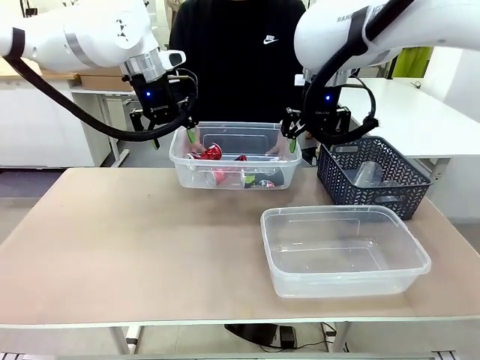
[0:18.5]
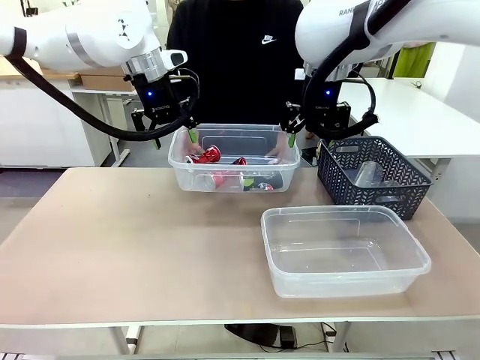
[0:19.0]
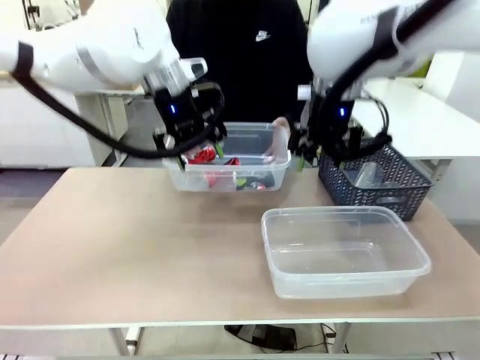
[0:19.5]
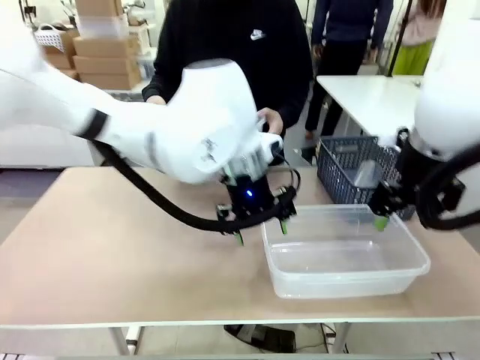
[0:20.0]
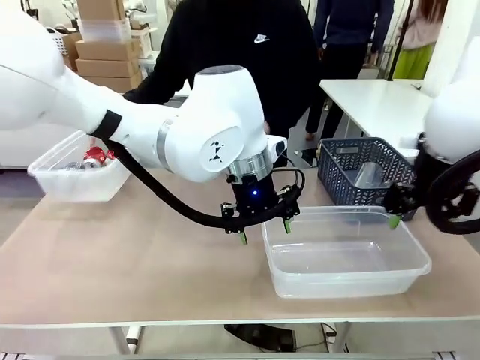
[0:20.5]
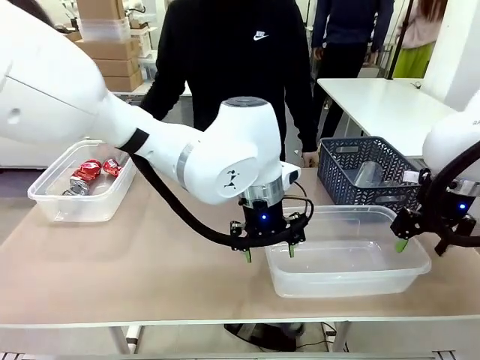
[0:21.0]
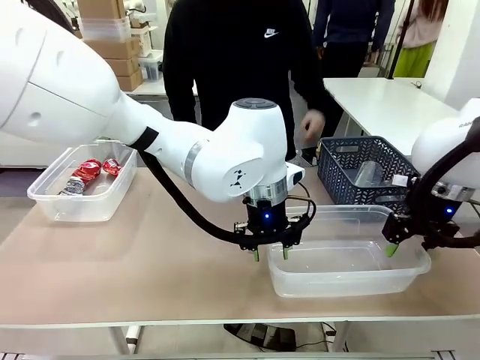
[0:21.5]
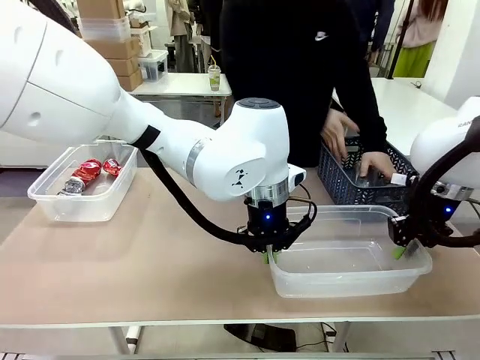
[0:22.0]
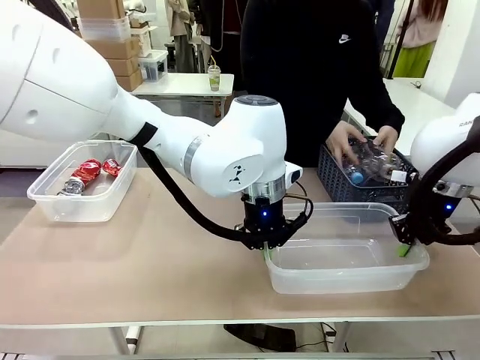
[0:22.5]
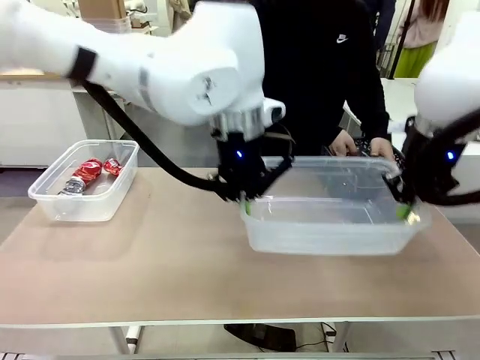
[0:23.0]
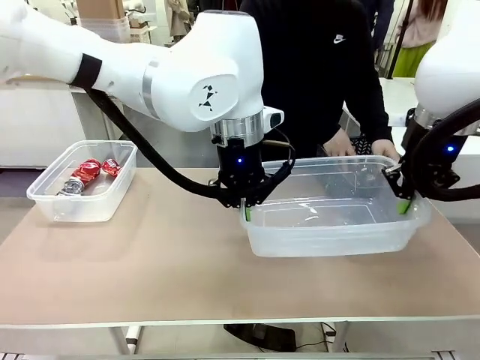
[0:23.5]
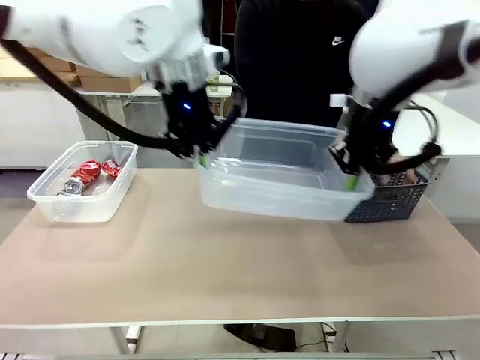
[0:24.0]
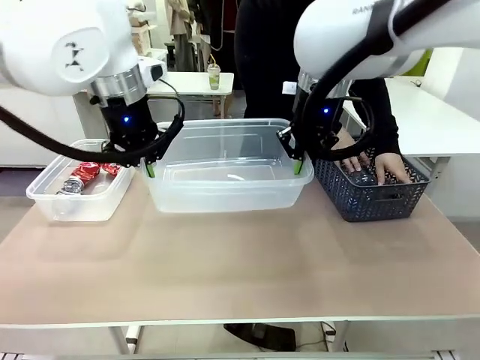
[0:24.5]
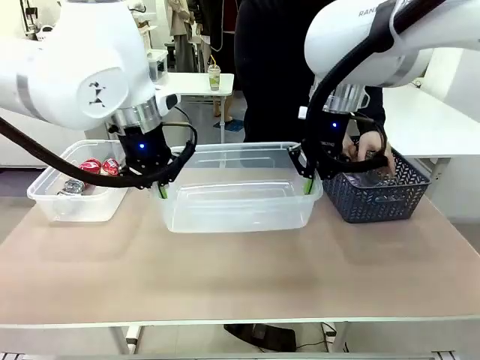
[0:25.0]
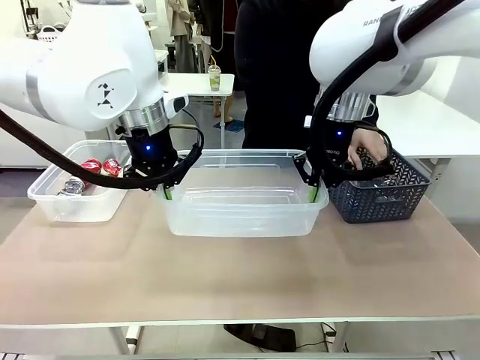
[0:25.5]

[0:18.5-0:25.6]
Robot: Pick up the Organizing box on the right side of the table and lift it.
Person: Place it at the edge of the bottom right area of the robot table. Pick up plastic waste one by one and place it into the organizing box lifted by the robot.

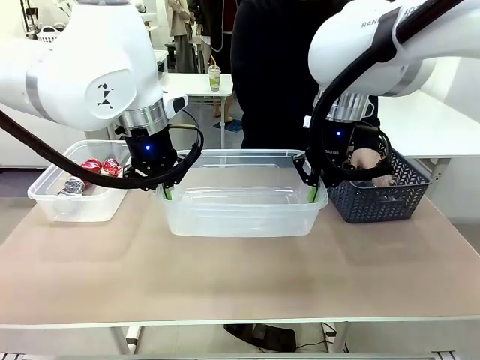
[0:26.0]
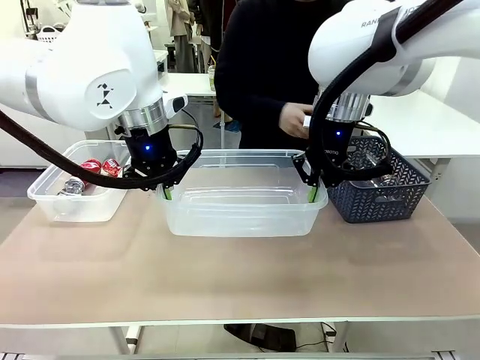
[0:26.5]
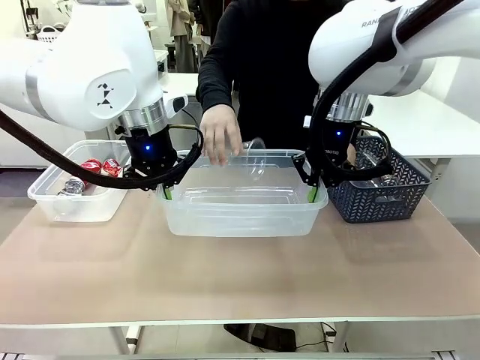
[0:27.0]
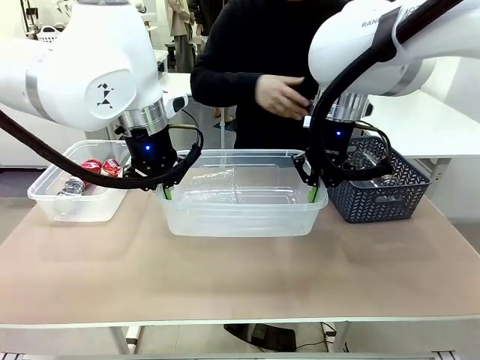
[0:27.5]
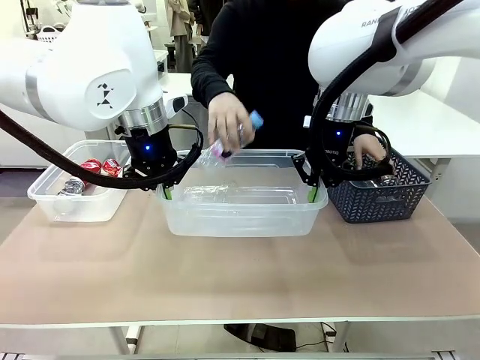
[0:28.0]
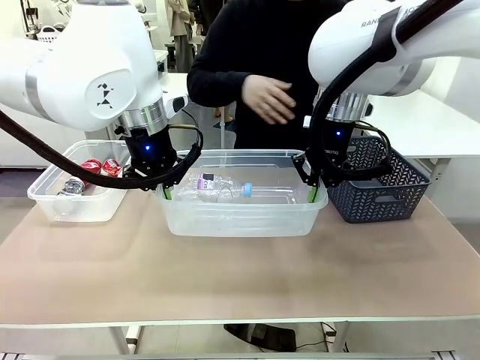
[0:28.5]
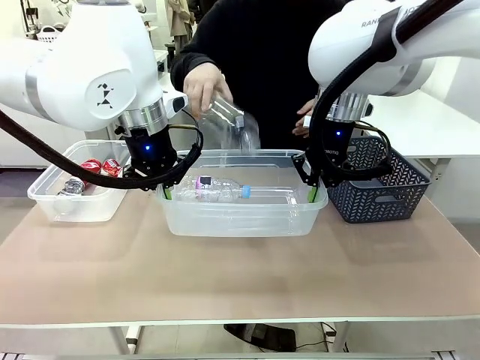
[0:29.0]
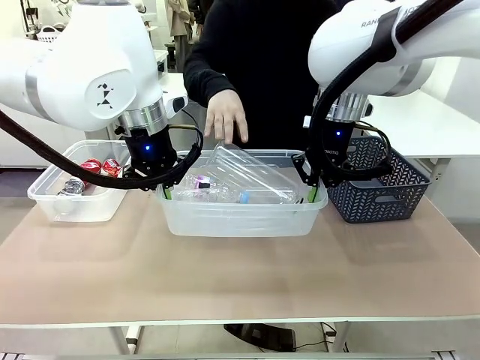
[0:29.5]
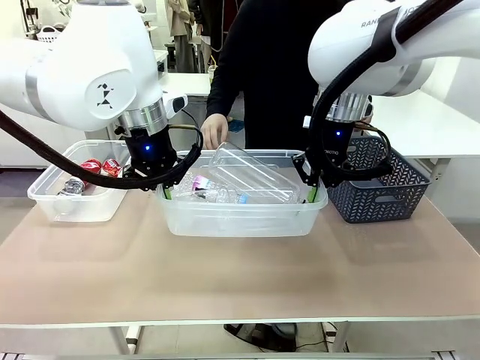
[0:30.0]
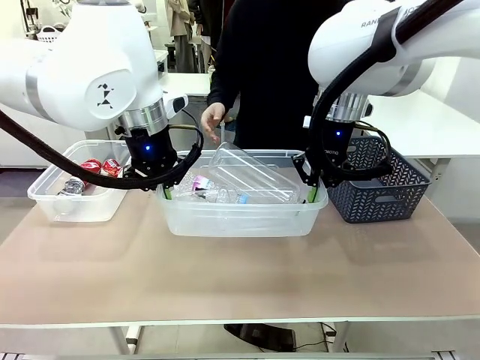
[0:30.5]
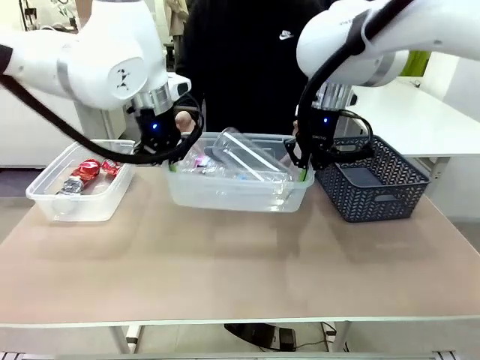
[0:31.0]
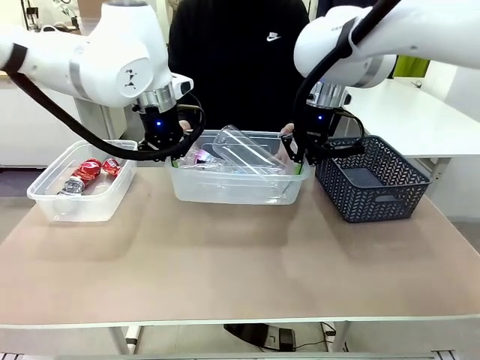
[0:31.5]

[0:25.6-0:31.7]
Robot: Offer the picked Organizing box to the human.

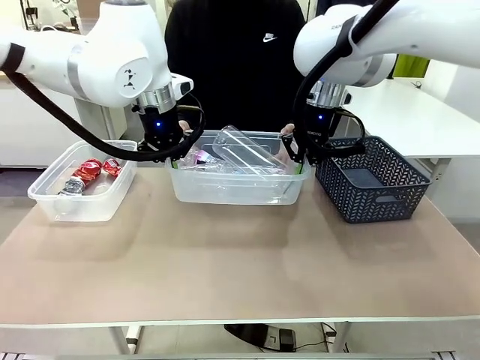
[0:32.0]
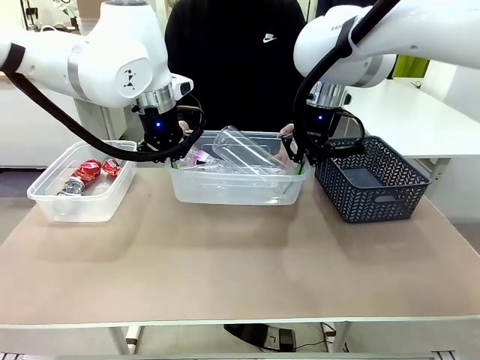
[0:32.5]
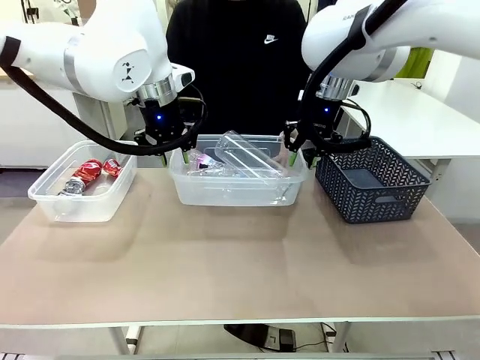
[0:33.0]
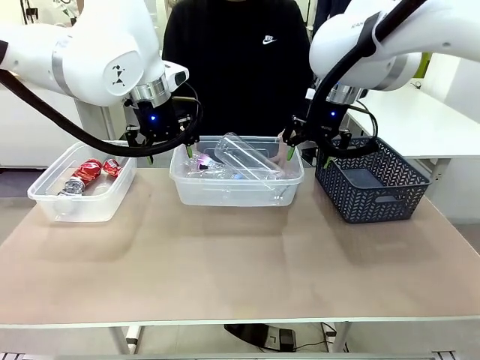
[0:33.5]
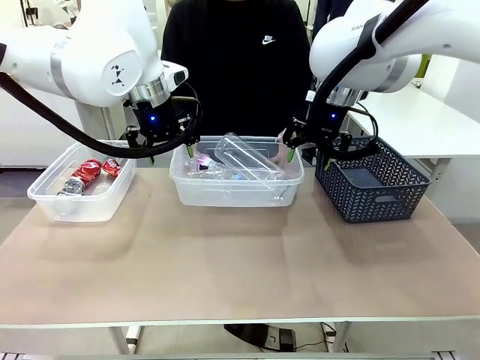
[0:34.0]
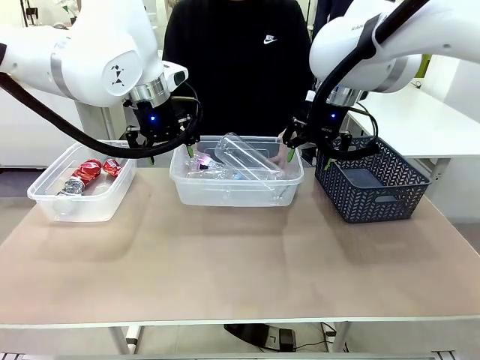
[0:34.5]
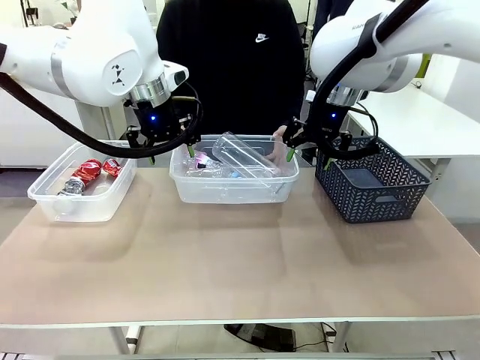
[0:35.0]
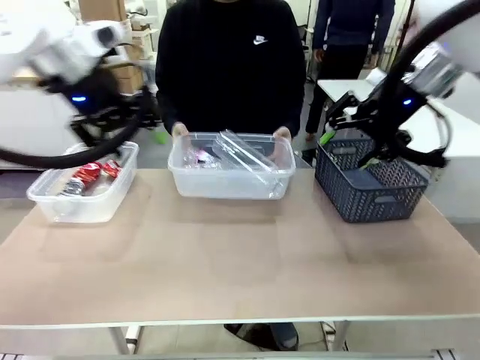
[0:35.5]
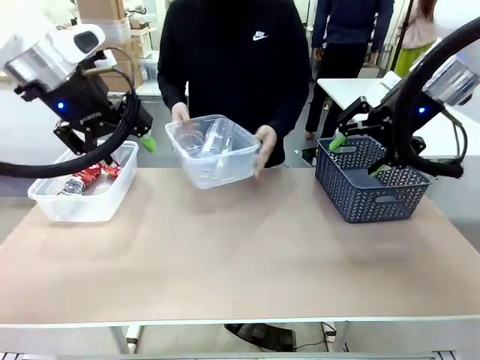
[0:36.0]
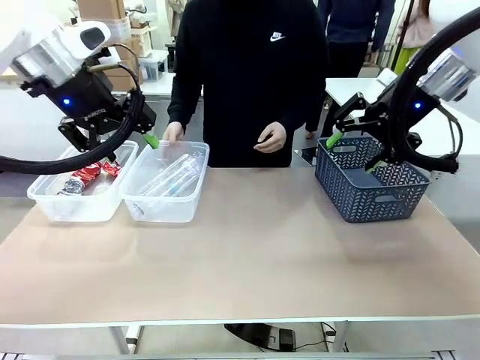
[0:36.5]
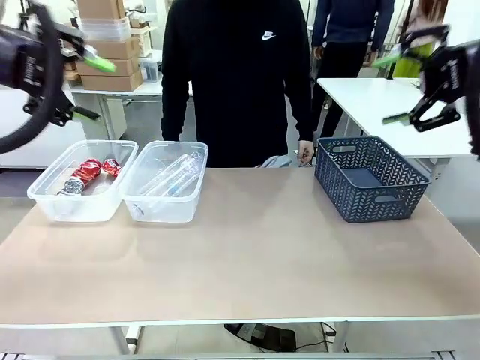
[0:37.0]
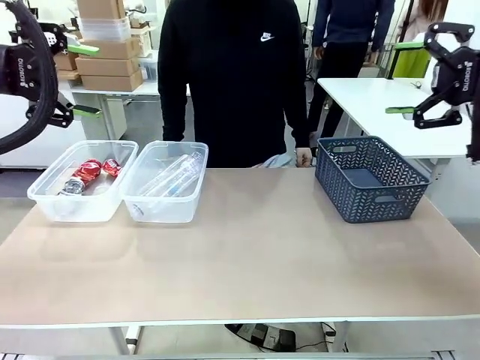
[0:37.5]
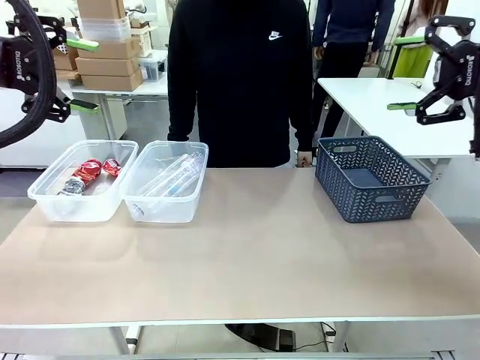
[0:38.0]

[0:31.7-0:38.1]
Robot: Release the Organizing box you were holding.
Person: Pick up the organizing box extended by the robot. Place the organizing box to the left of the sorting box containing the can waste.

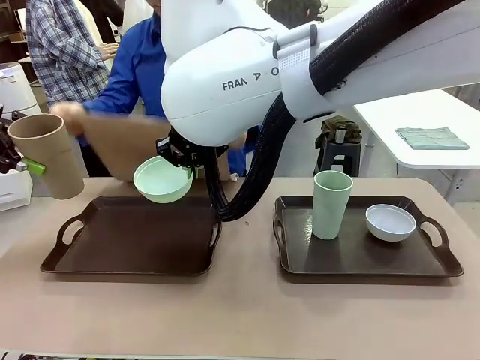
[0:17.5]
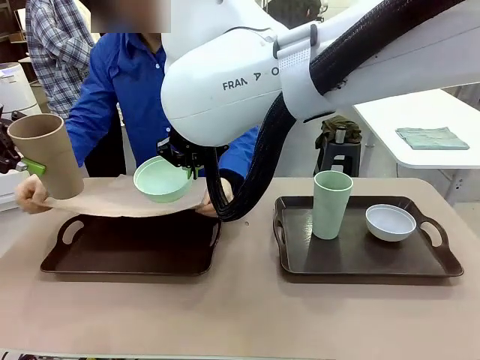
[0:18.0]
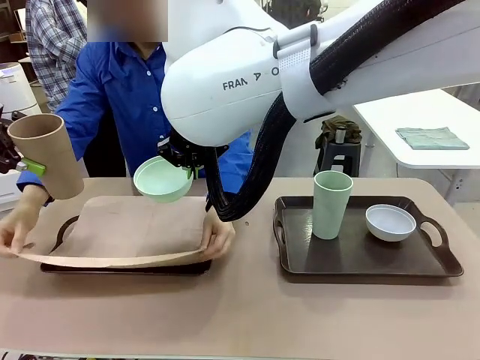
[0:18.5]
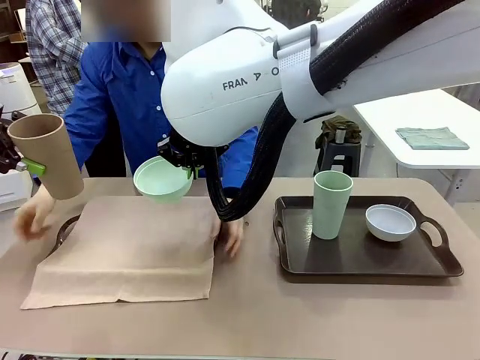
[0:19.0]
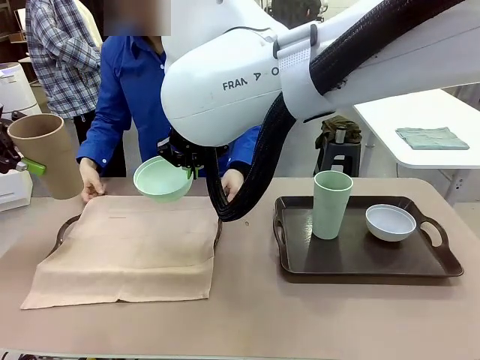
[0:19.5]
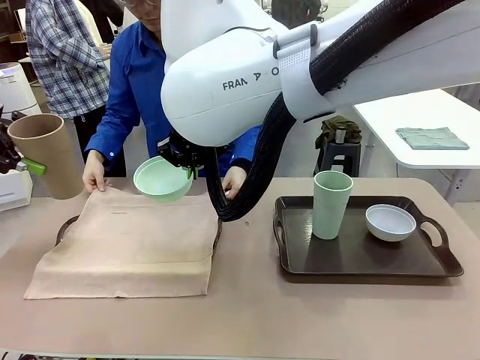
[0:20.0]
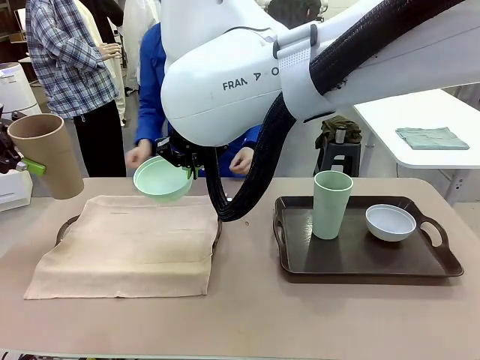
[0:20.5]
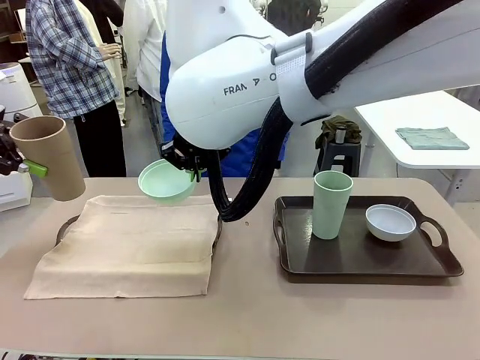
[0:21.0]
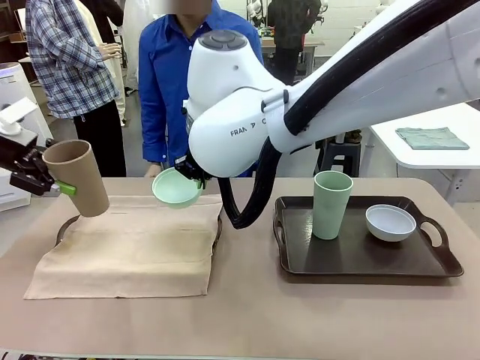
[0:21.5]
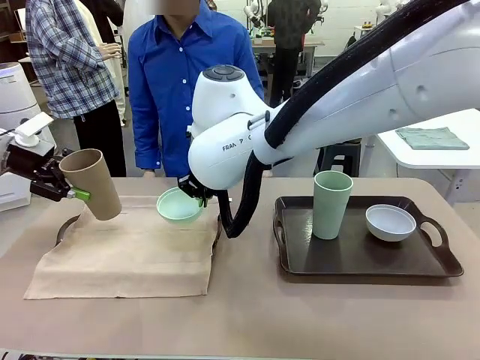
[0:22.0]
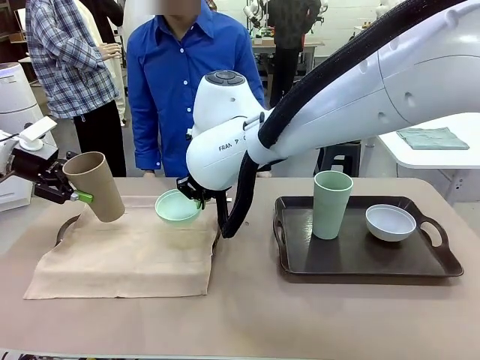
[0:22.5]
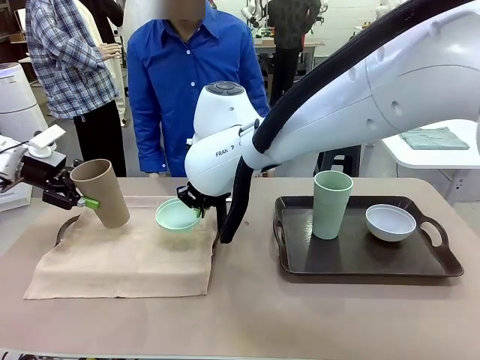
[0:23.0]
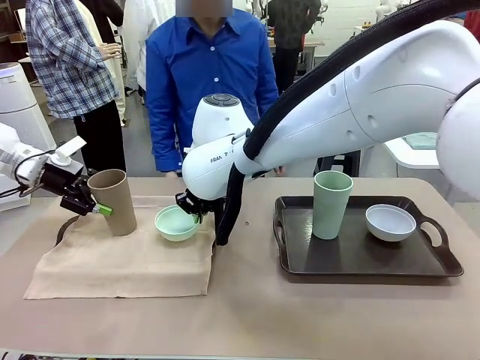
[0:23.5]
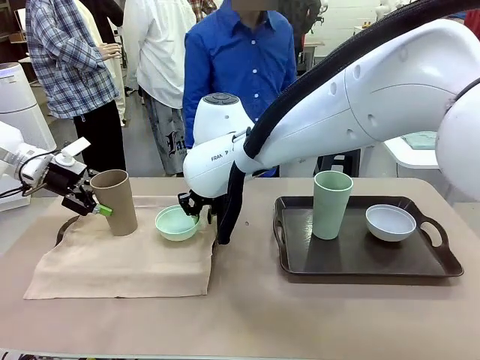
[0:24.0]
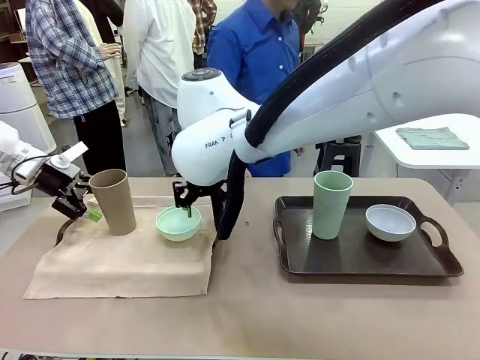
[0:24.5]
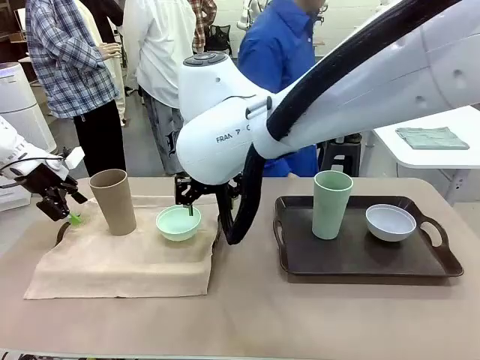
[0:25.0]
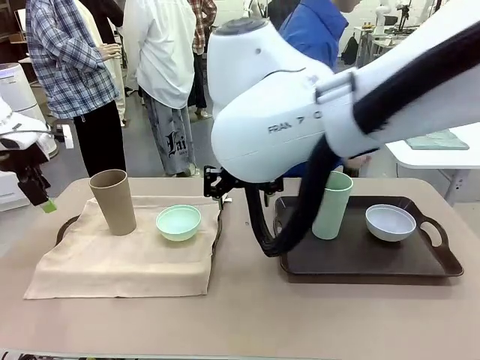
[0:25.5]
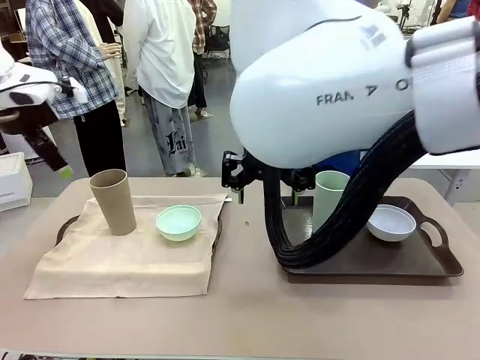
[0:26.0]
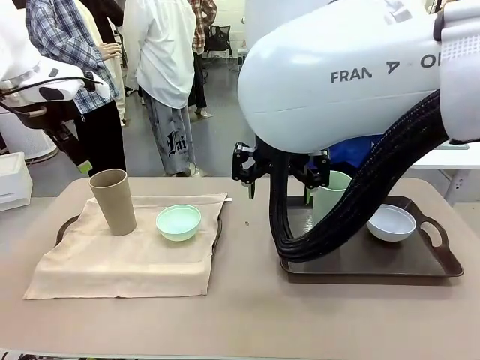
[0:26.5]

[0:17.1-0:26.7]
Robot: Place the Picnic Bowl and Reusable plastic cup back onto the Handle tray in front of the human's position.
Person: The human returns to the human table to pick up another napkin and walks to the robot table to stand in front of the tray without a napkin.
